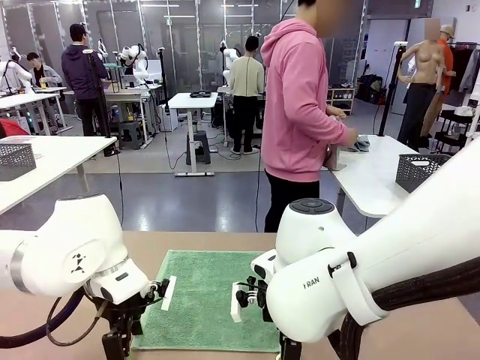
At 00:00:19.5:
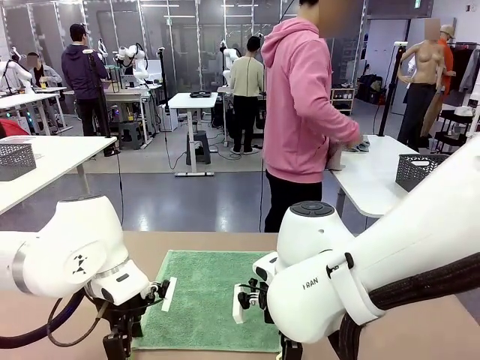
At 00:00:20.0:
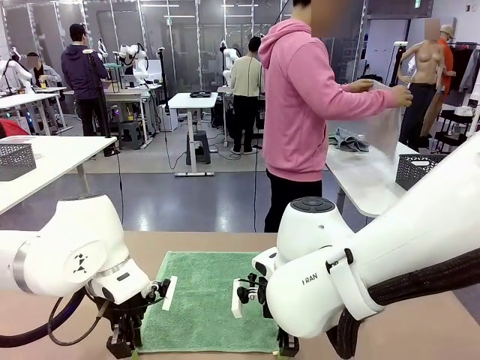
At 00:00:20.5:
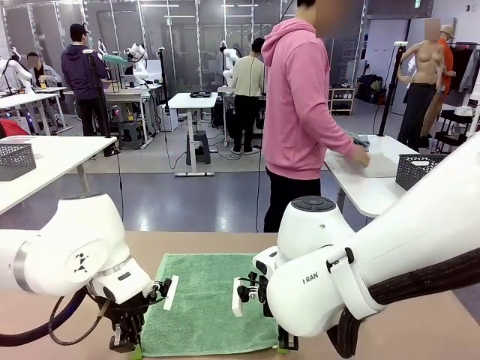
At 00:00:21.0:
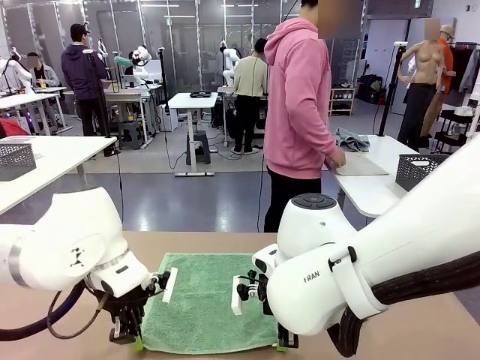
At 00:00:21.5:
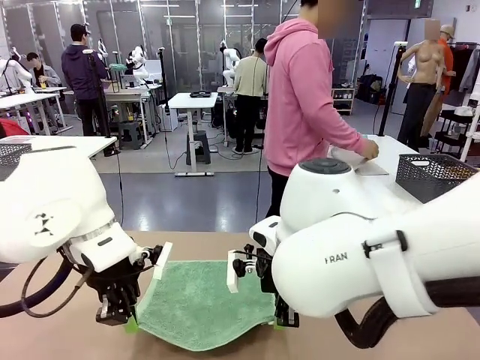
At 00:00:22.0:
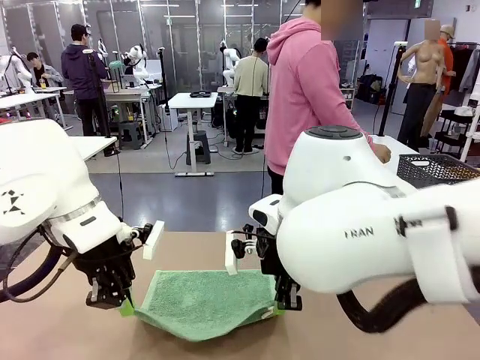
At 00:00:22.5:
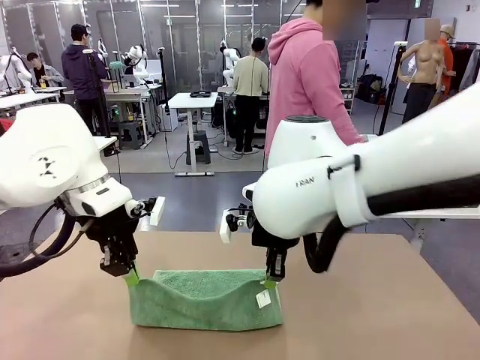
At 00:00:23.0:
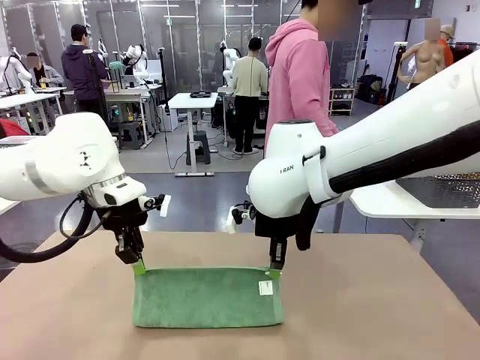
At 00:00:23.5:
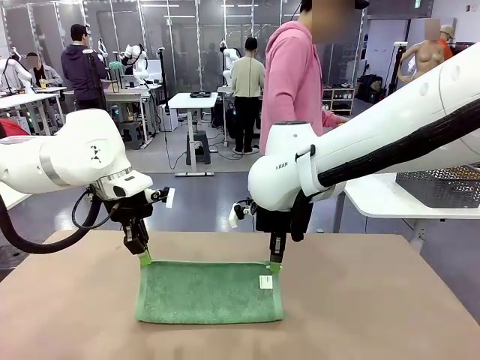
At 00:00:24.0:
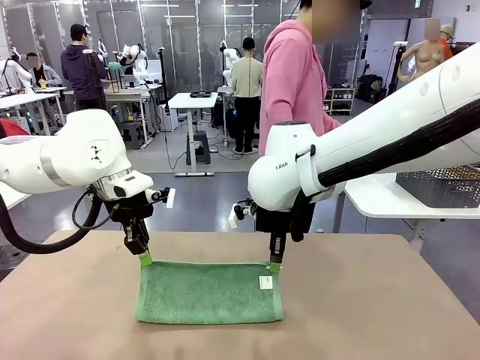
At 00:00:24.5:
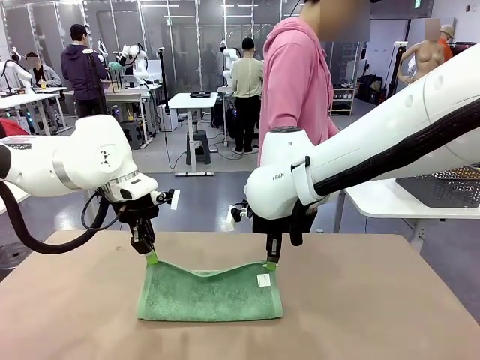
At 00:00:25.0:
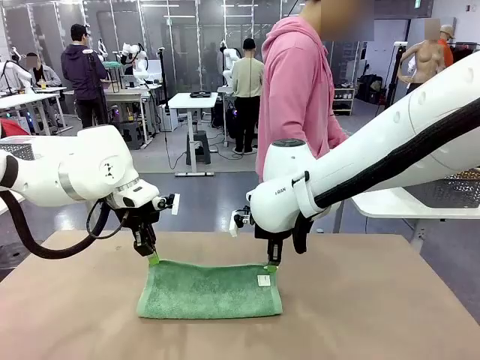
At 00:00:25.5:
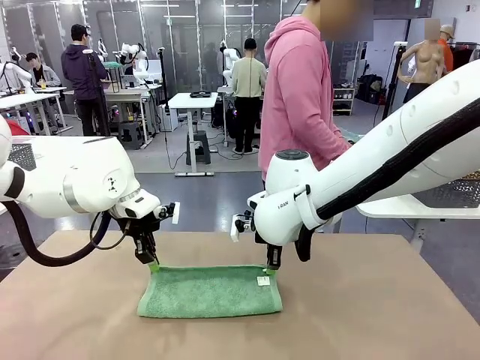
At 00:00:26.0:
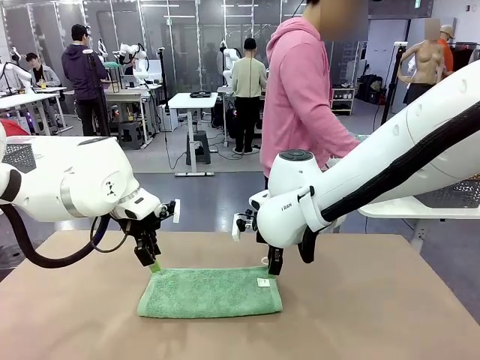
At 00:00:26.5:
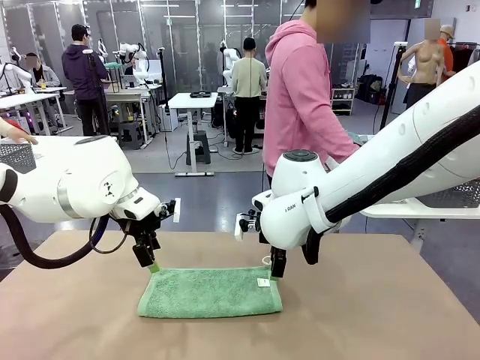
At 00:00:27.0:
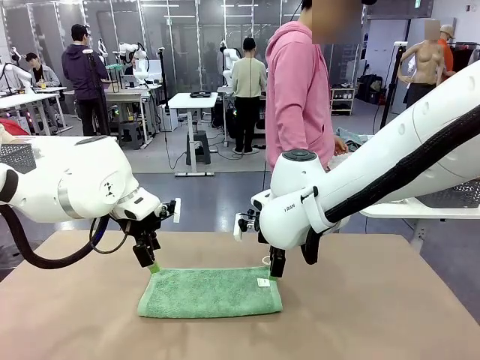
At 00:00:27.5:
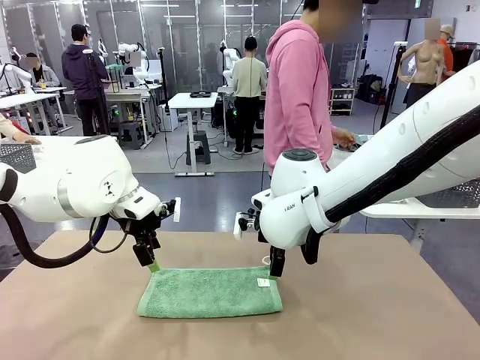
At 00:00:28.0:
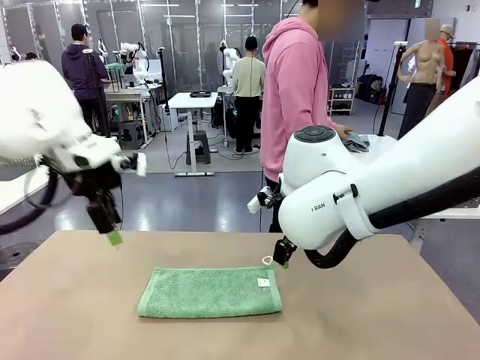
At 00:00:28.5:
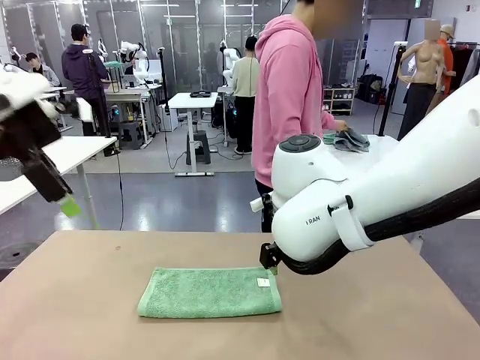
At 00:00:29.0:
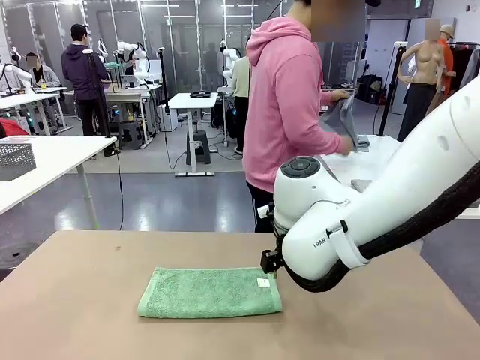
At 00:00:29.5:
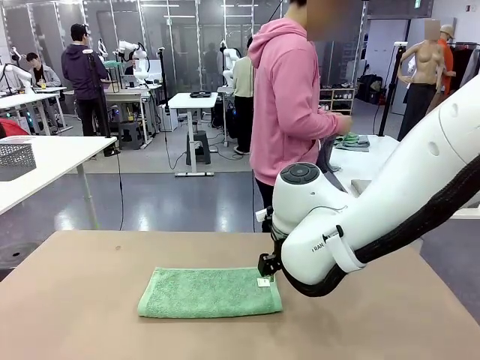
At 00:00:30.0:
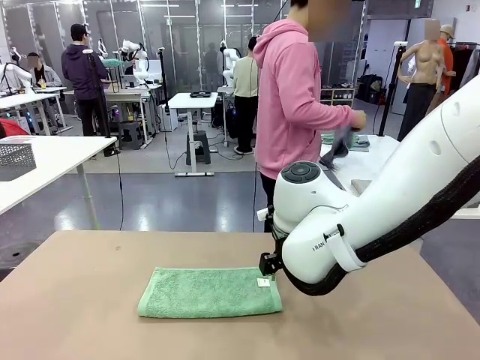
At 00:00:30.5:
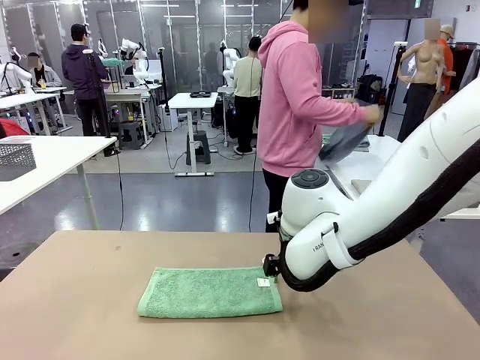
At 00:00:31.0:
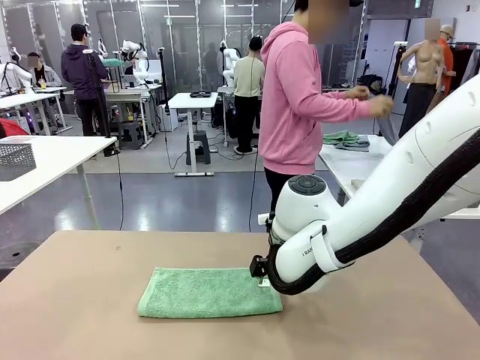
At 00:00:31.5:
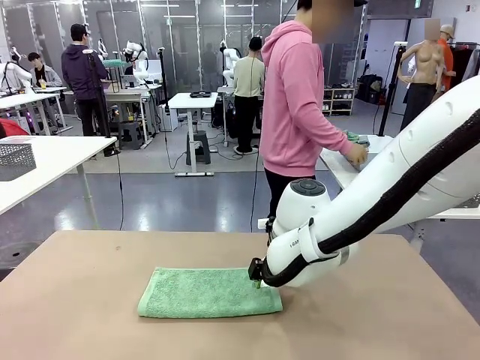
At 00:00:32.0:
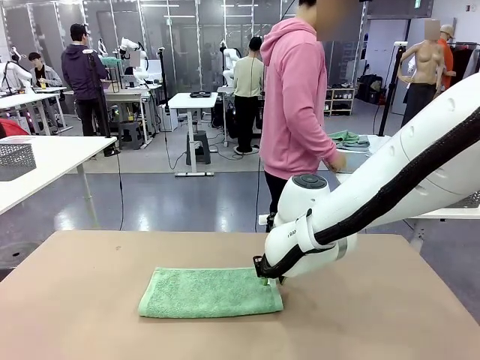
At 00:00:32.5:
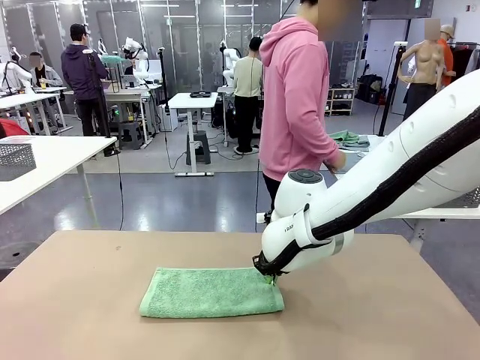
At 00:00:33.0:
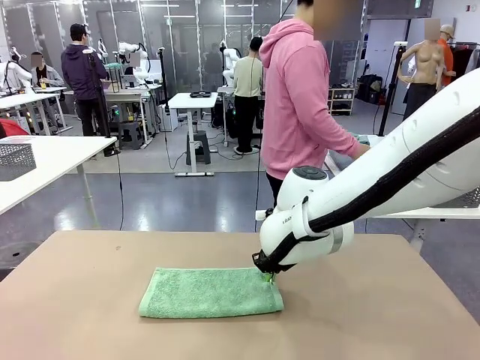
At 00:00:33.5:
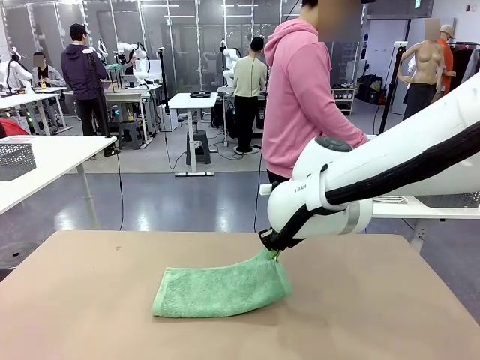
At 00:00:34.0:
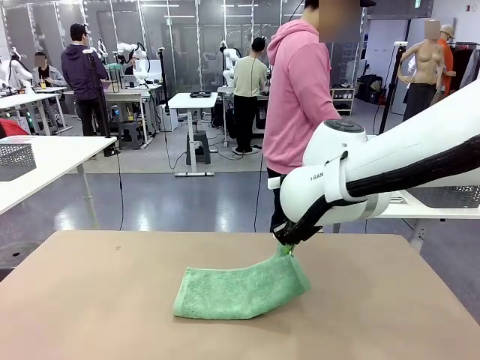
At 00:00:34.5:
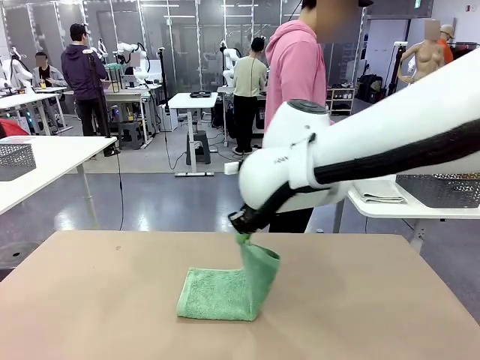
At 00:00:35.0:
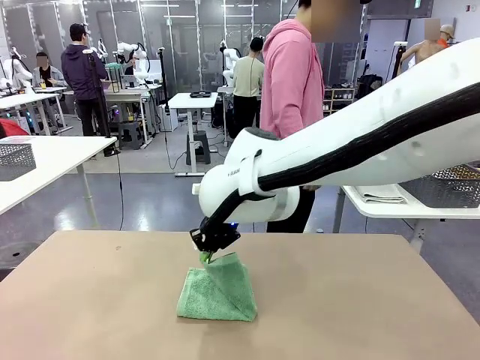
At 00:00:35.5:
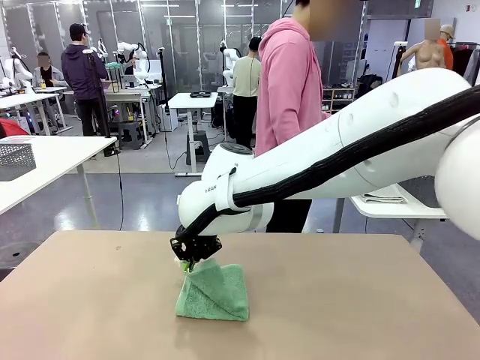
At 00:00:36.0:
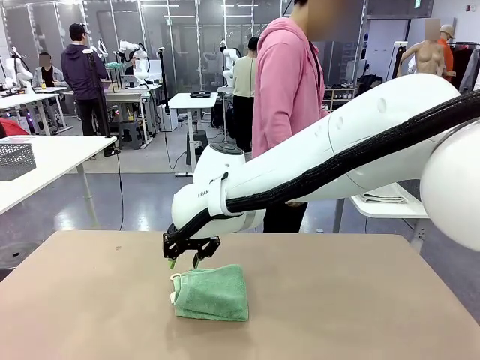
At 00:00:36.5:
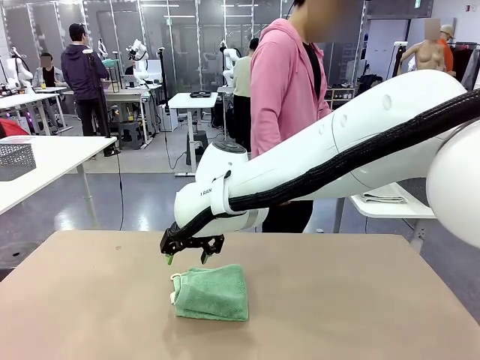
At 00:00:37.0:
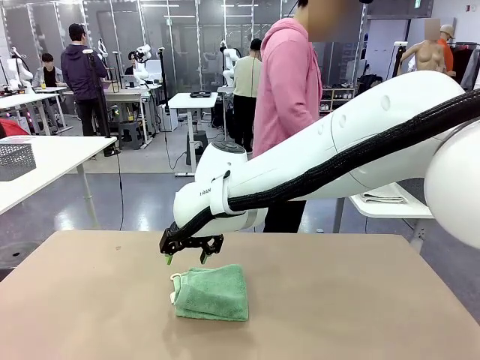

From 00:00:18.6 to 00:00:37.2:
Task: Fold the towels and place them in the basket.
Robot: When a person lays out a Towel with hook on the table, fold it in half twice.
Person: Pick up one towel from the left side of the human table, fold it in half twice, and place it on the right side of the table. Pick up one towel from the left side of the human table, fold it in half twice, and stack it on the right side of the table.

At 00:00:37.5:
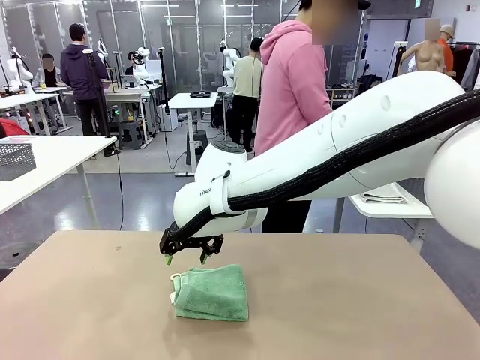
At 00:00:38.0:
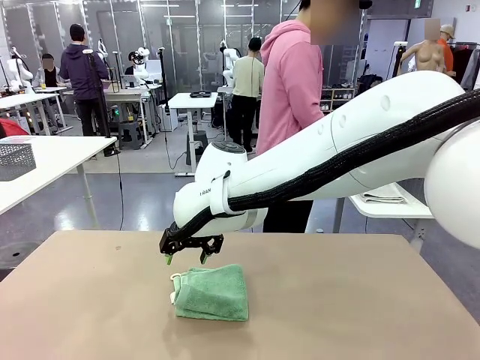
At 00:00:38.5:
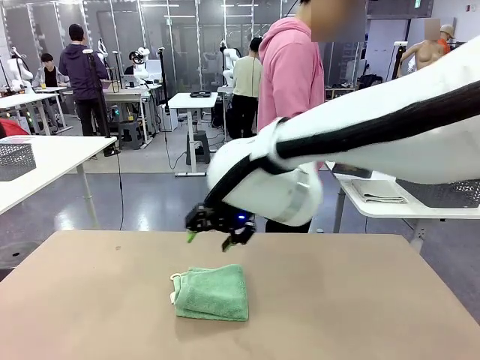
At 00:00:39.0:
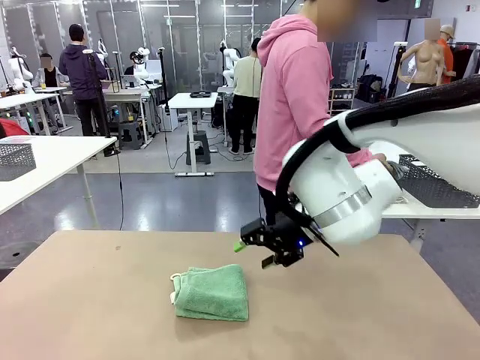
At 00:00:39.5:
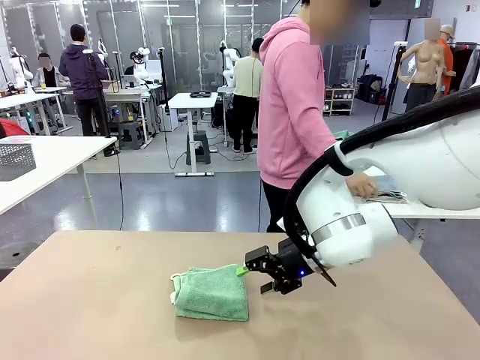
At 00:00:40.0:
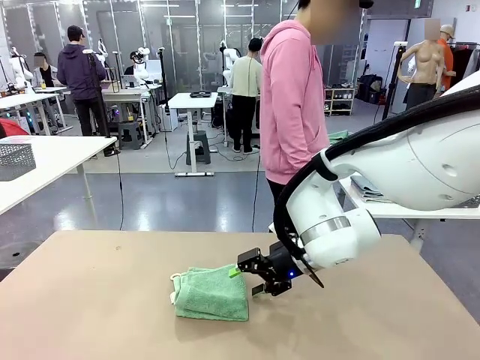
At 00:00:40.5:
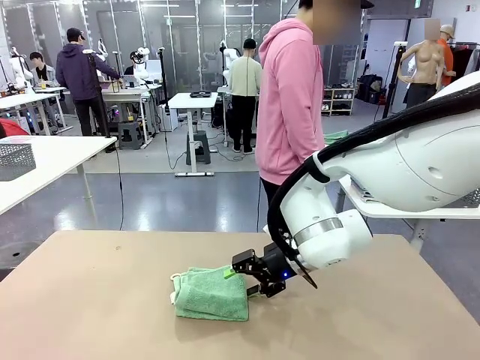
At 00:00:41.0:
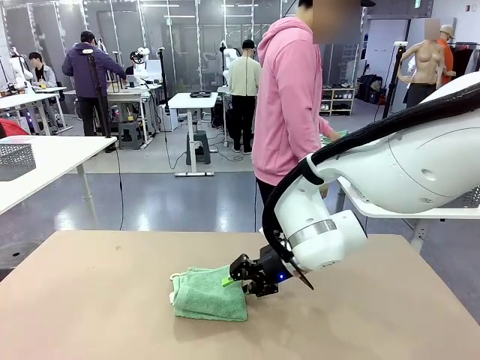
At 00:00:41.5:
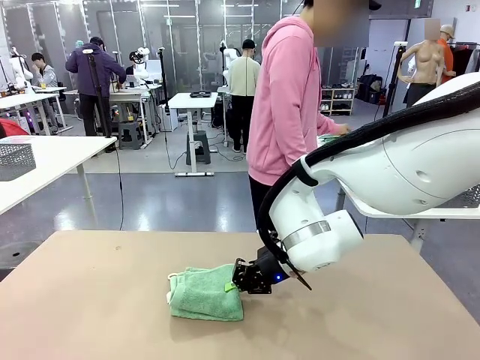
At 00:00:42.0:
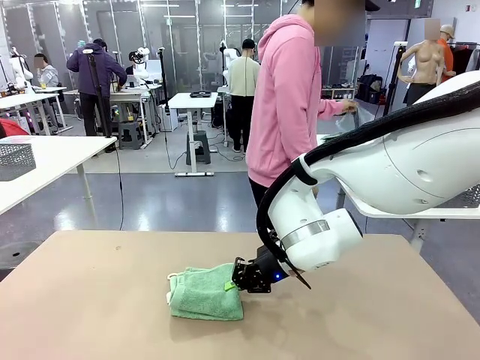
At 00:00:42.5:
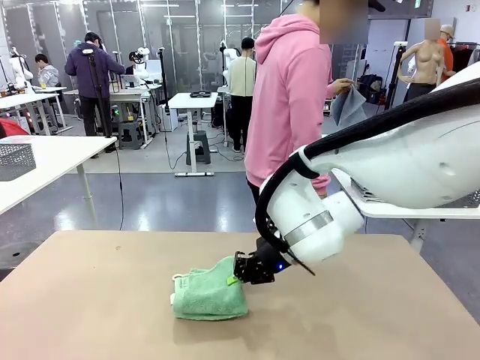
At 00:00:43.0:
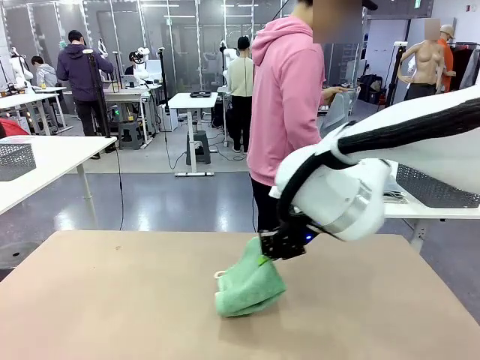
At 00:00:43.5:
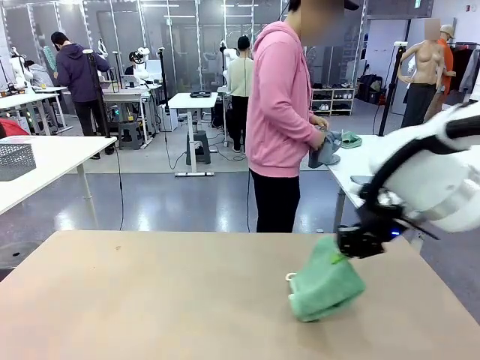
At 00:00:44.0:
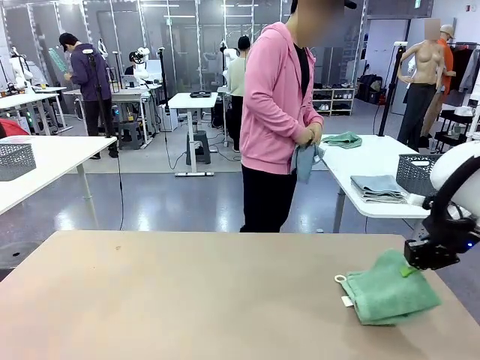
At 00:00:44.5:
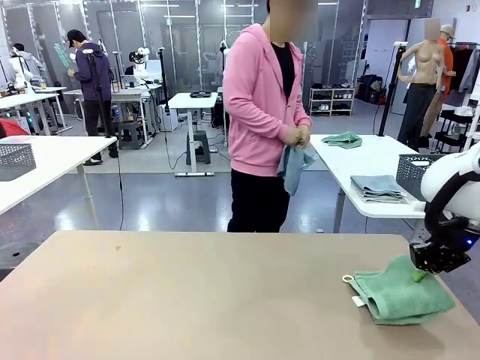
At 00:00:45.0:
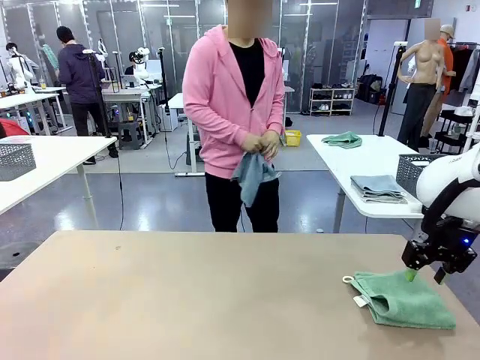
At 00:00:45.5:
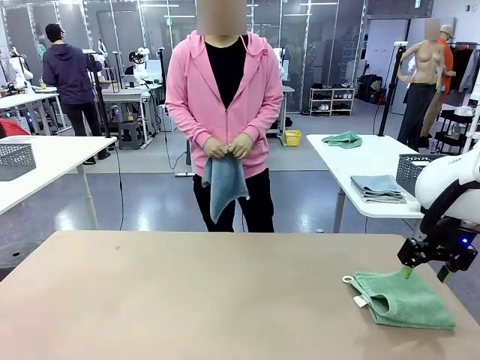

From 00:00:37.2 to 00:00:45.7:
Robot: Place the folded Towel with hook on the right side of the table.
Person: Pick up one towel from the left side of the human table and spread it out at the center of the robot table.
